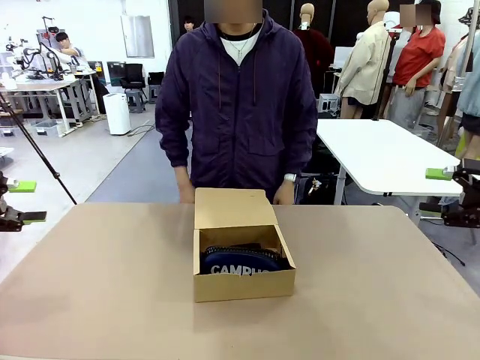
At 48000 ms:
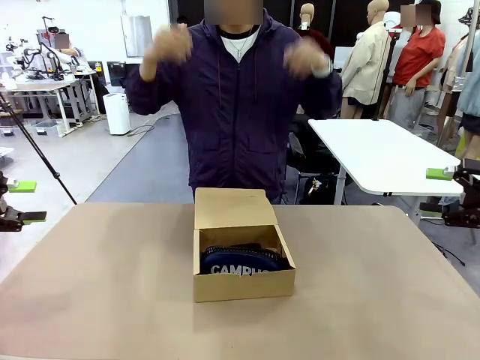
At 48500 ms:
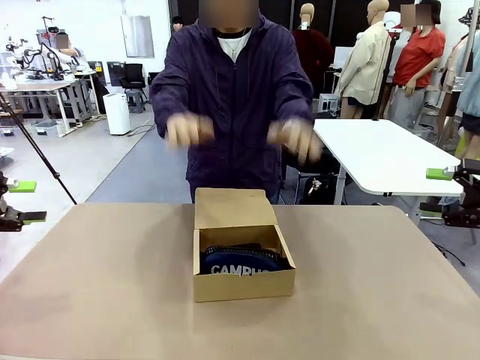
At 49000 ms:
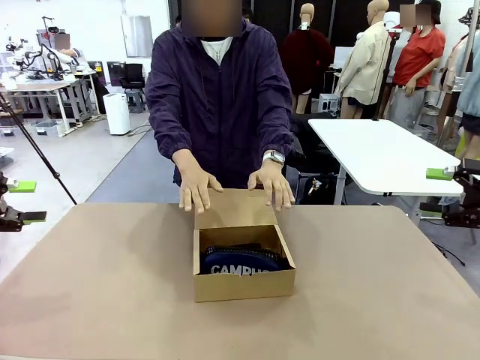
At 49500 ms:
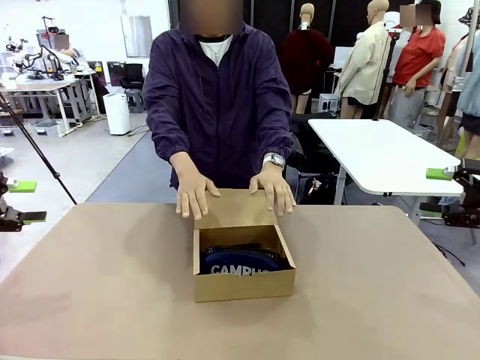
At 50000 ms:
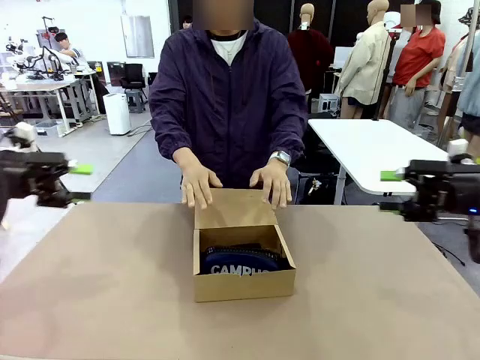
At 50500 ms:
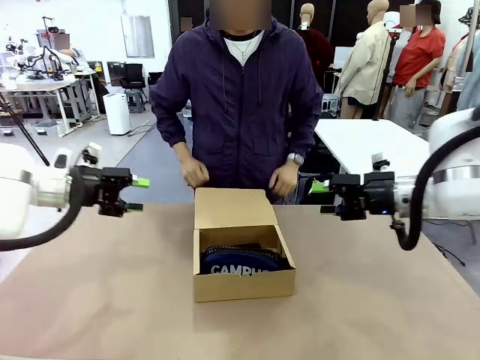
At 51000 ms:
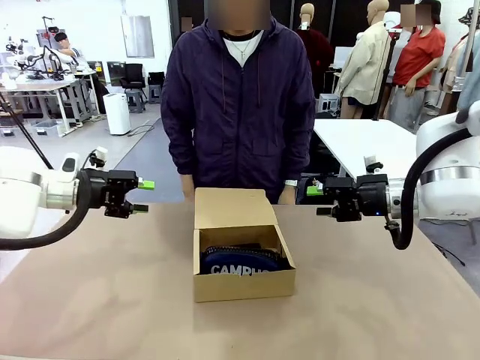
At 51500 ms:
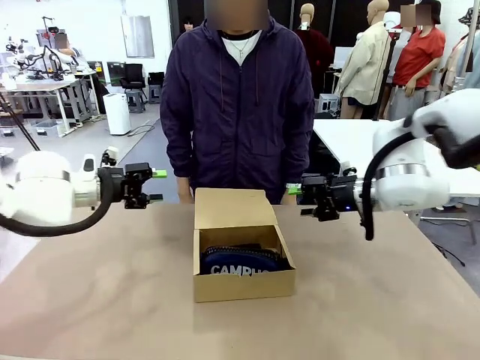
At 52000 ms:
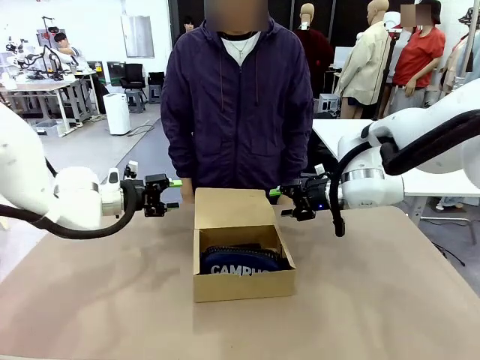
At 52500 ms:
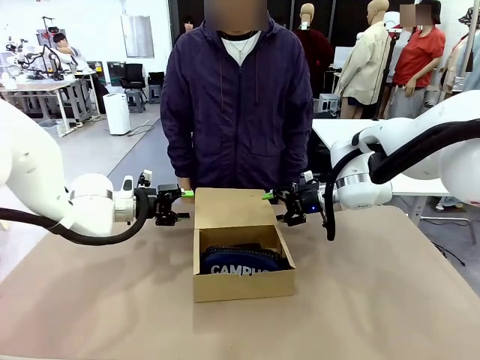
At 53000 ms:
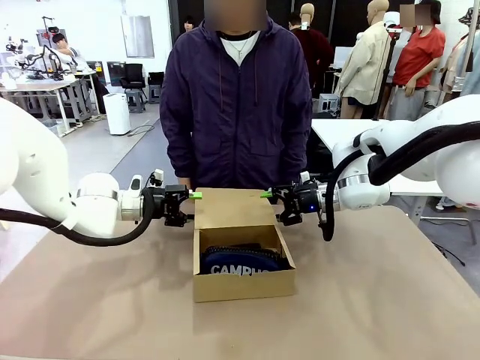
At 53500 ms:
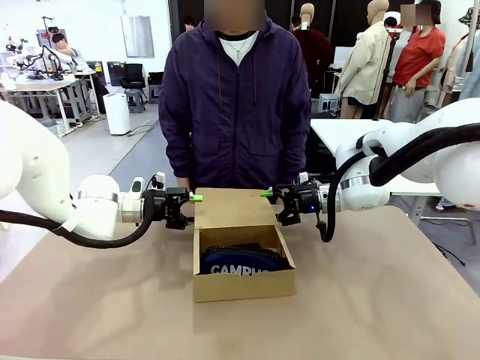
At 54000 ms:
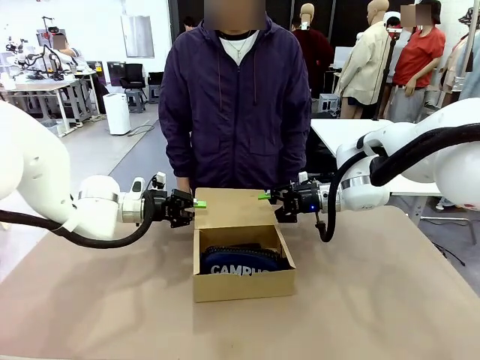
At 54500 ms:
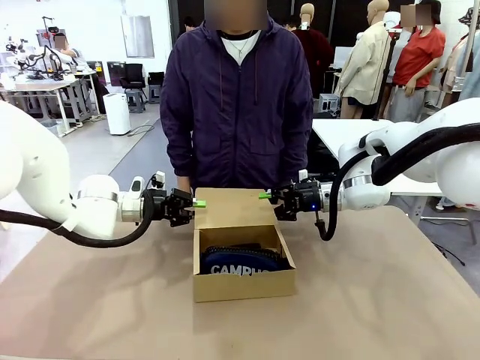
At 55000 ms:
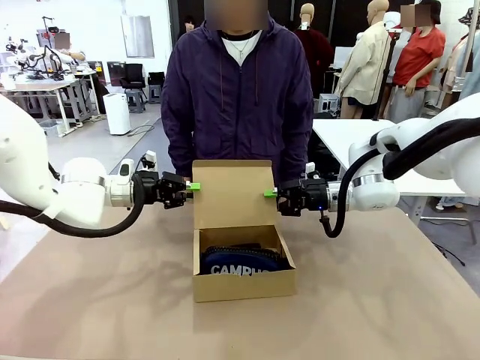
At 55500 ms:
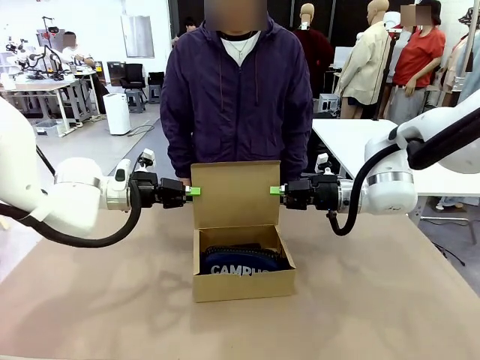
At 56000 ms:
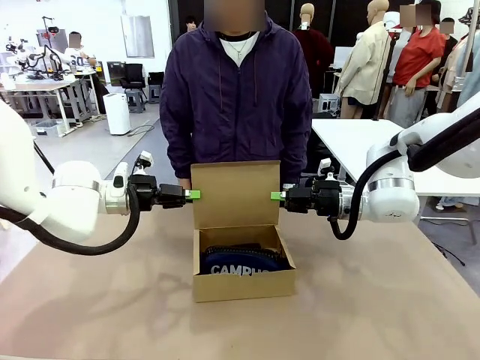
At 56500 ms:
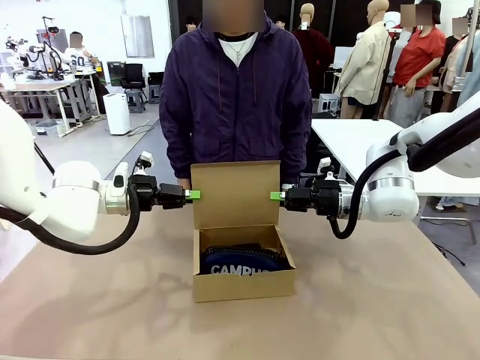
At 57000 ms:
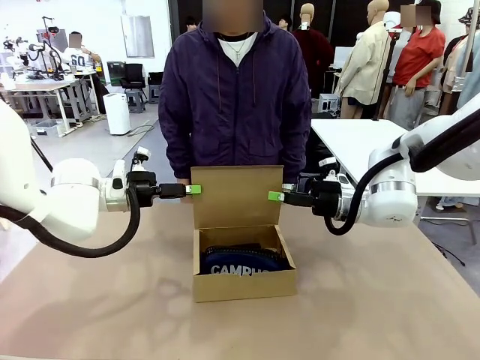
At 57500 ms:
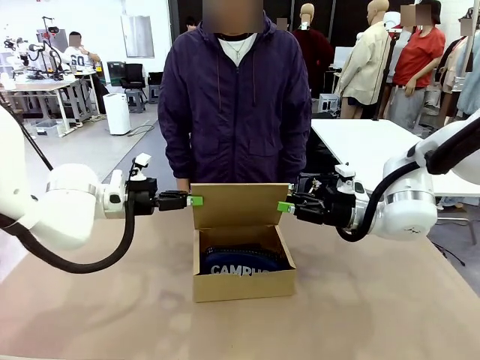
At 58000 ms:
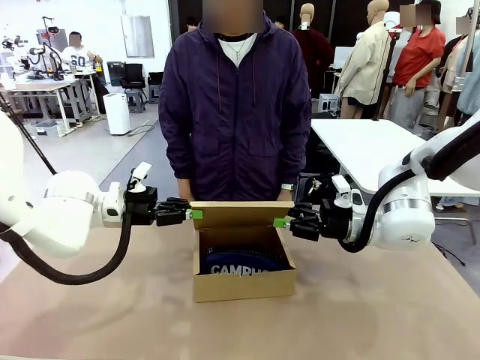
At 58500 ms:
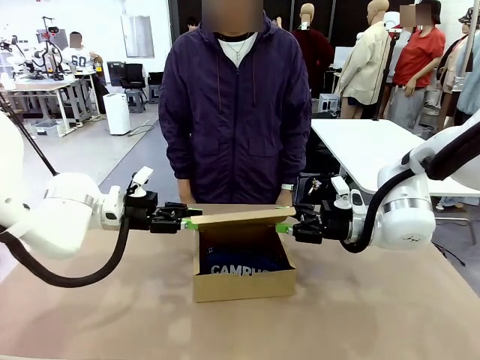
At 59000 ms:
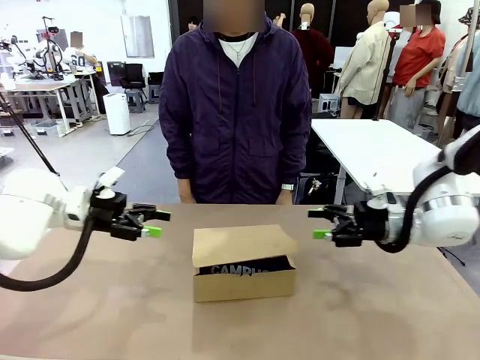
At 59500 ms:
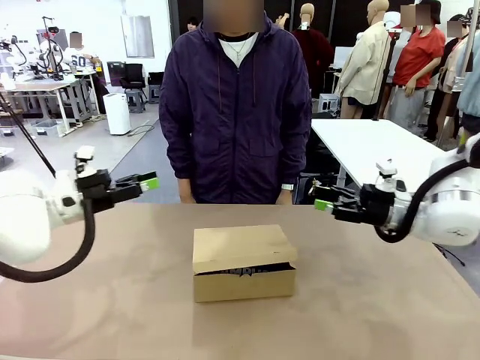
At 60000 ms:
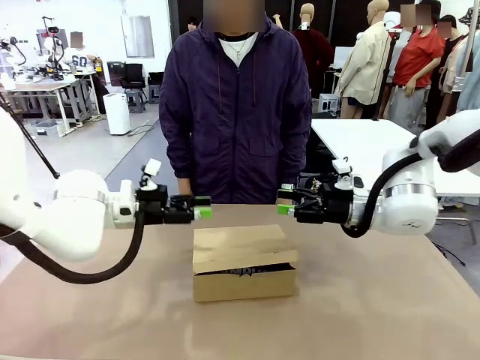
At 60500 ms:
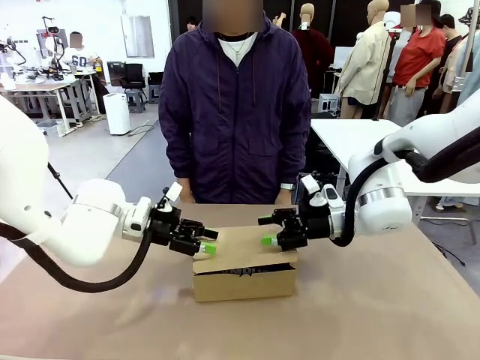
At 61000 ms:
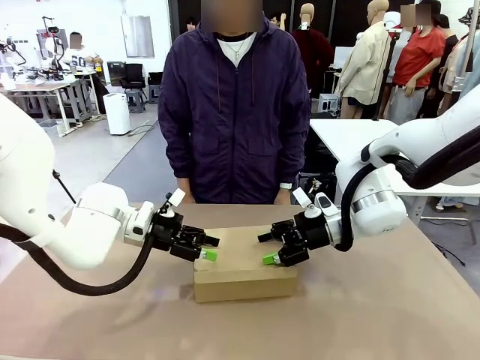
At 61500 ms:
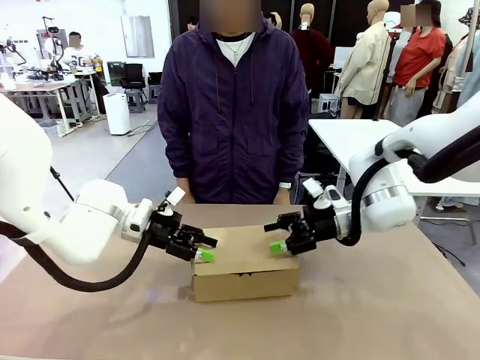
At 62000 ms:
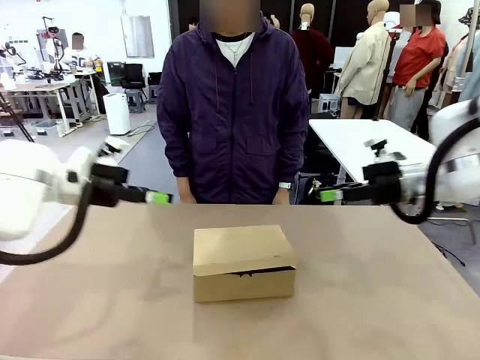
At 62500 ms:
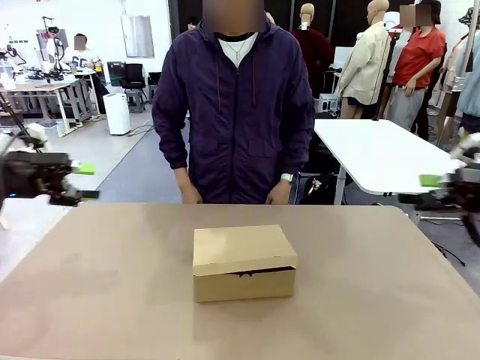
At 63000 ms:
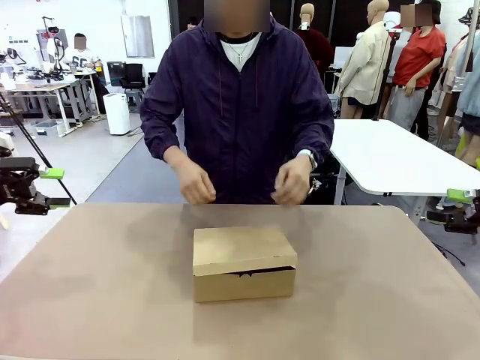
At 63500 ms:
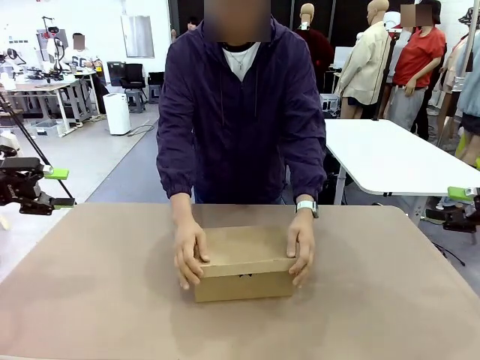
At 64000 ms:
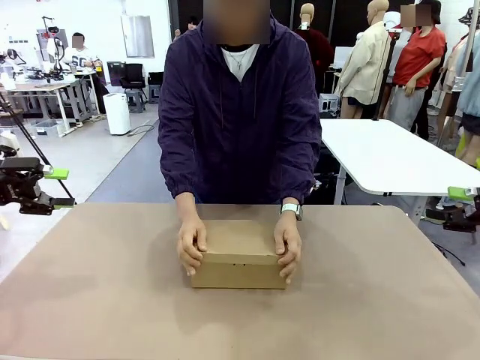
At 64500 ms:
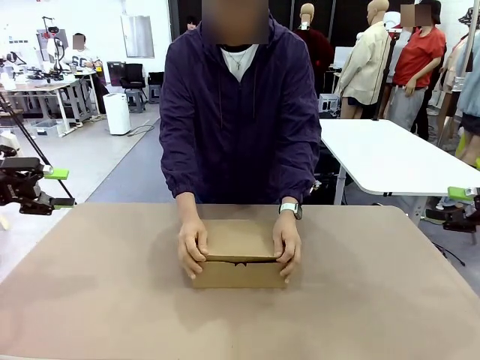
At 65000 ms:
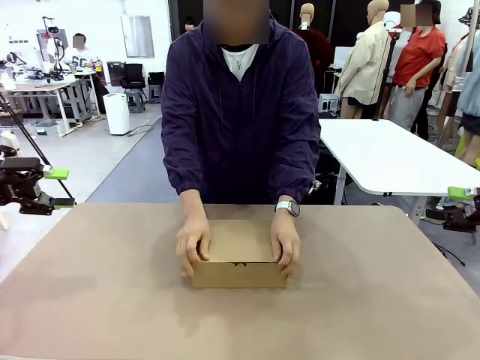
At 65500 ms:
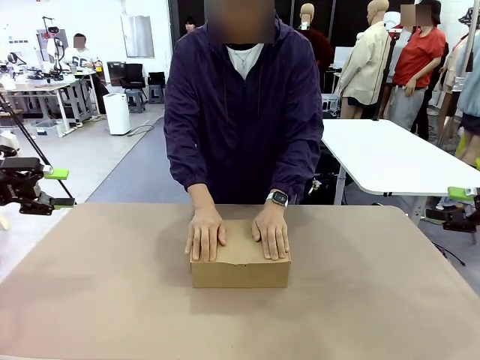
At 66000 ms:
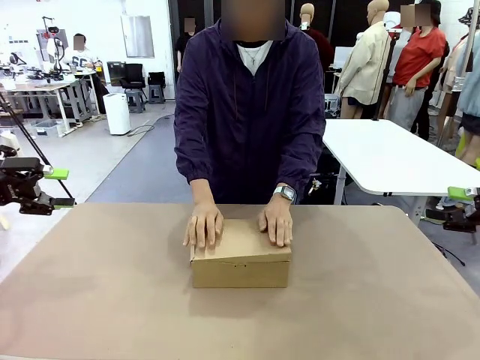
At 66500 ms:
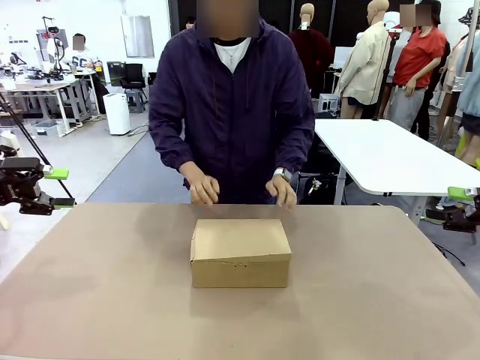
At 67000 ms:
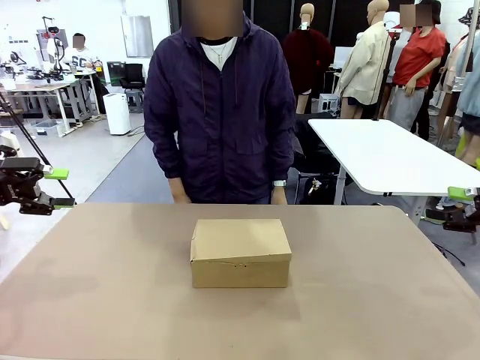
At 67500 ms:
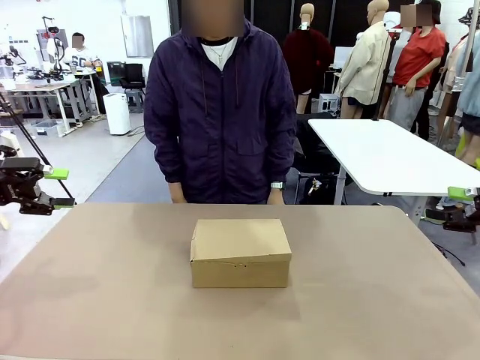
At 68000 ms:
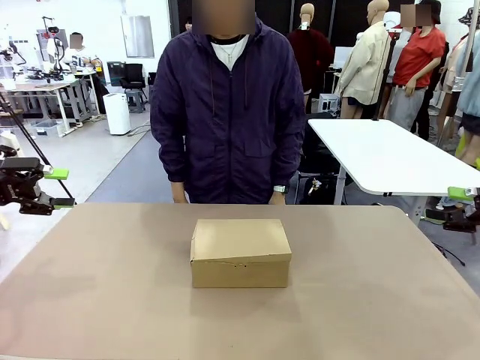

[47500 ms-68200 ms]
Task: Pack the items into the box.
Robot: Close the Mailer Box.
Person: Turn the box and lock it.
